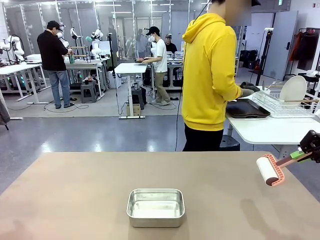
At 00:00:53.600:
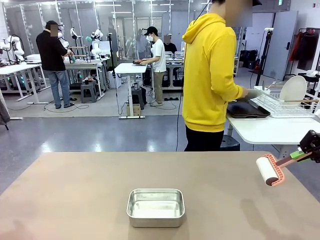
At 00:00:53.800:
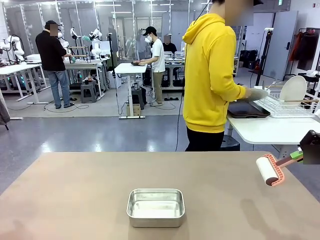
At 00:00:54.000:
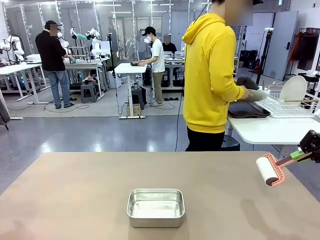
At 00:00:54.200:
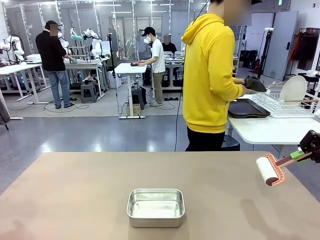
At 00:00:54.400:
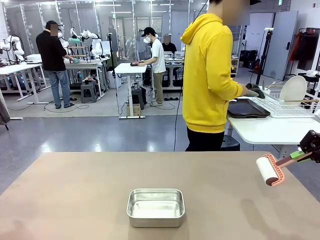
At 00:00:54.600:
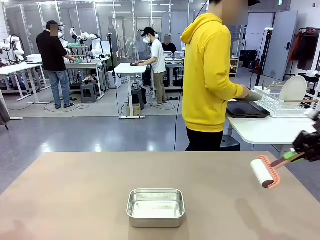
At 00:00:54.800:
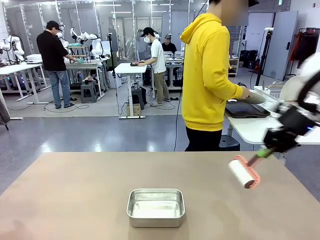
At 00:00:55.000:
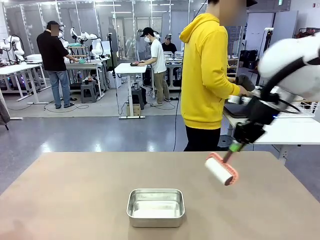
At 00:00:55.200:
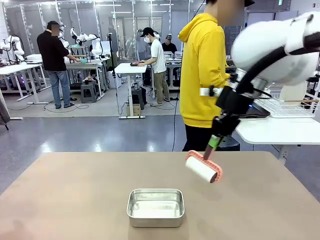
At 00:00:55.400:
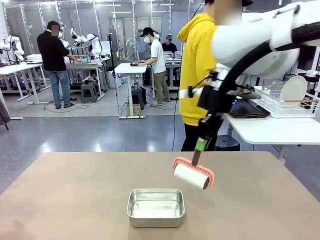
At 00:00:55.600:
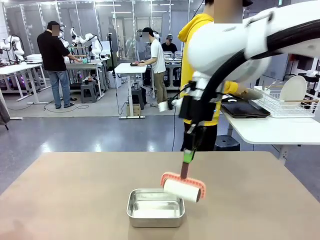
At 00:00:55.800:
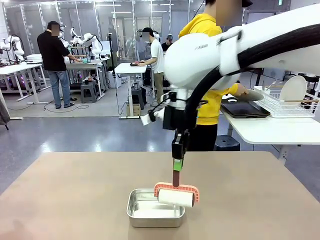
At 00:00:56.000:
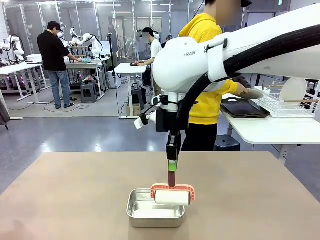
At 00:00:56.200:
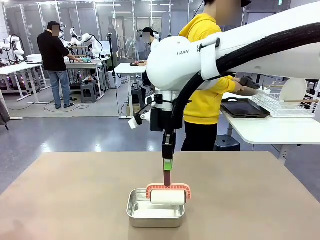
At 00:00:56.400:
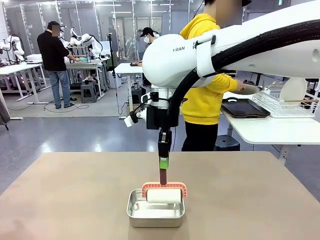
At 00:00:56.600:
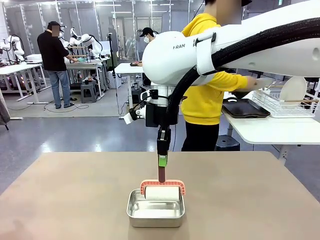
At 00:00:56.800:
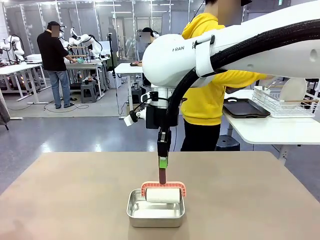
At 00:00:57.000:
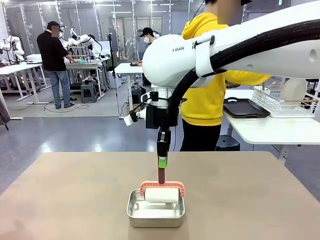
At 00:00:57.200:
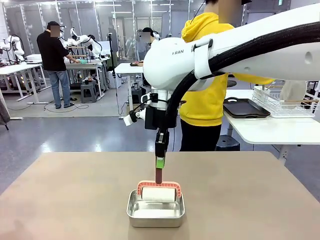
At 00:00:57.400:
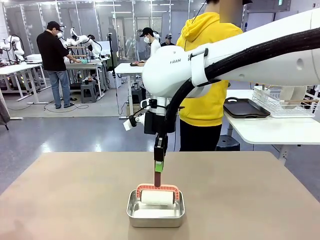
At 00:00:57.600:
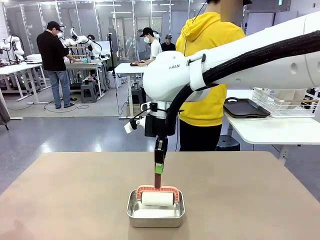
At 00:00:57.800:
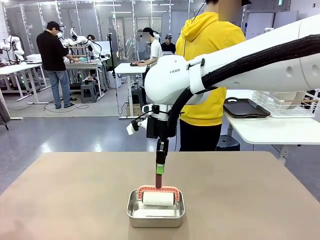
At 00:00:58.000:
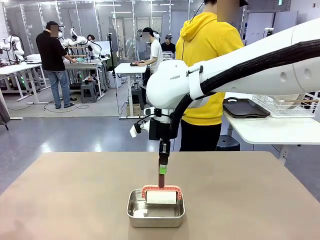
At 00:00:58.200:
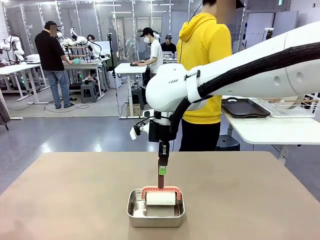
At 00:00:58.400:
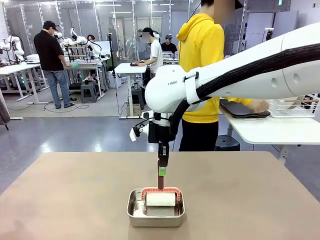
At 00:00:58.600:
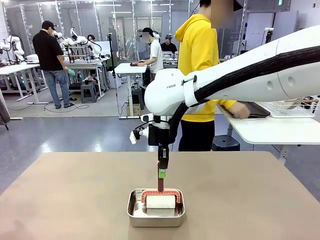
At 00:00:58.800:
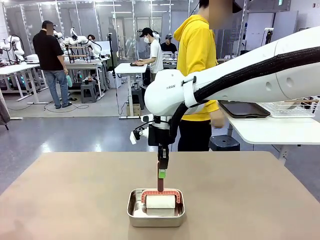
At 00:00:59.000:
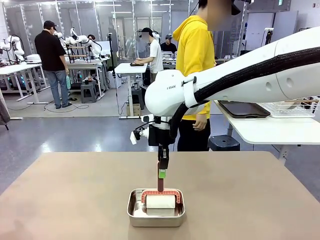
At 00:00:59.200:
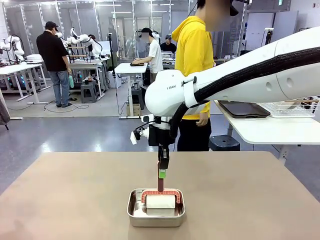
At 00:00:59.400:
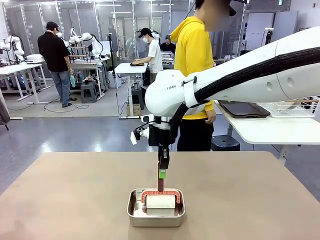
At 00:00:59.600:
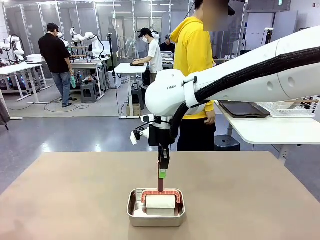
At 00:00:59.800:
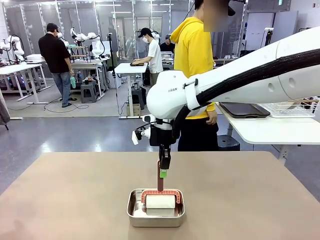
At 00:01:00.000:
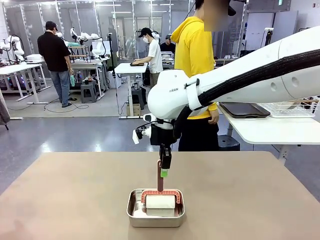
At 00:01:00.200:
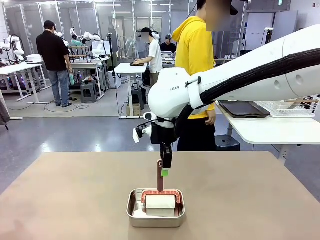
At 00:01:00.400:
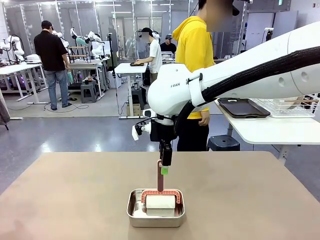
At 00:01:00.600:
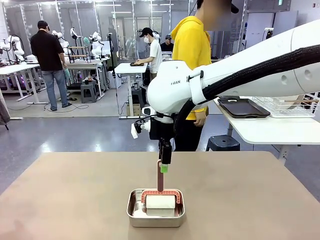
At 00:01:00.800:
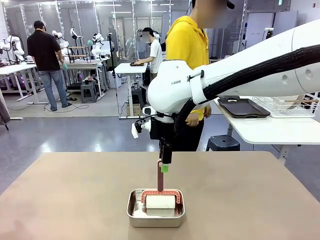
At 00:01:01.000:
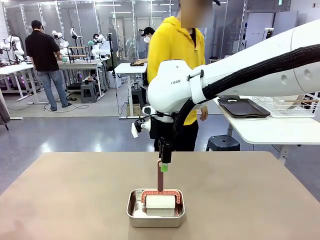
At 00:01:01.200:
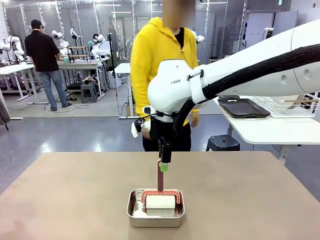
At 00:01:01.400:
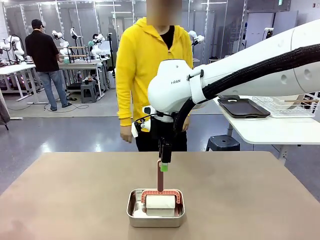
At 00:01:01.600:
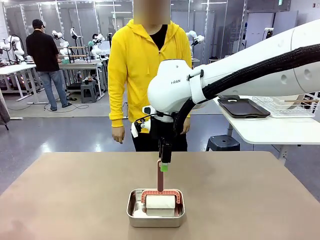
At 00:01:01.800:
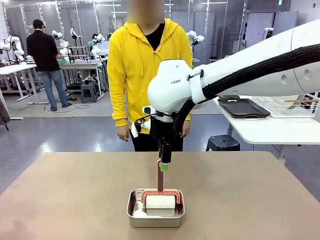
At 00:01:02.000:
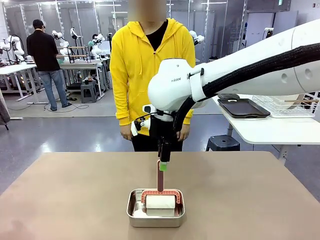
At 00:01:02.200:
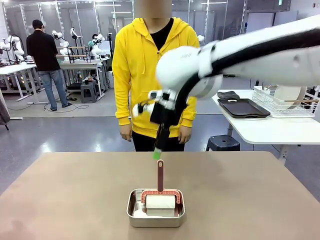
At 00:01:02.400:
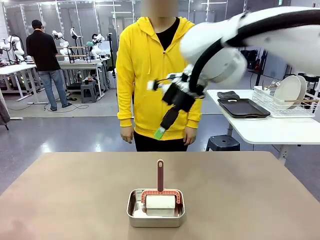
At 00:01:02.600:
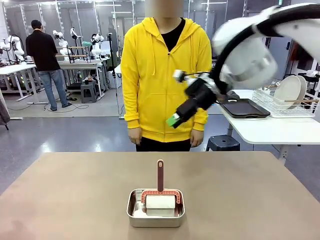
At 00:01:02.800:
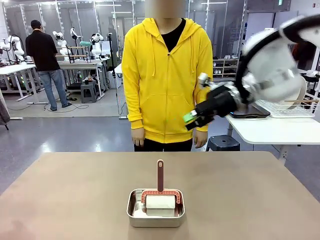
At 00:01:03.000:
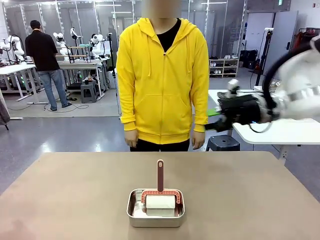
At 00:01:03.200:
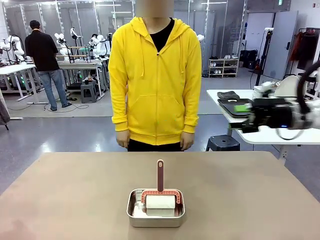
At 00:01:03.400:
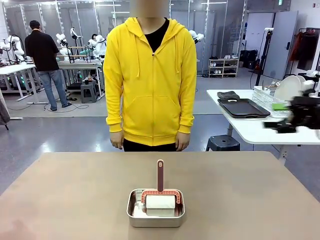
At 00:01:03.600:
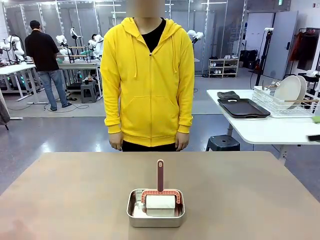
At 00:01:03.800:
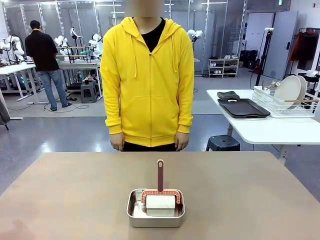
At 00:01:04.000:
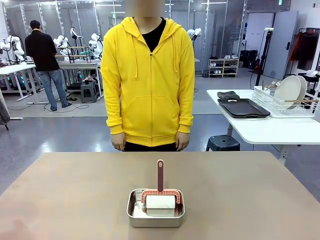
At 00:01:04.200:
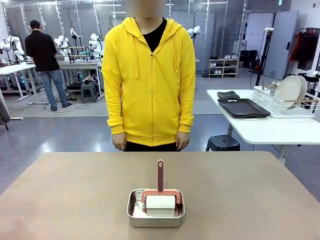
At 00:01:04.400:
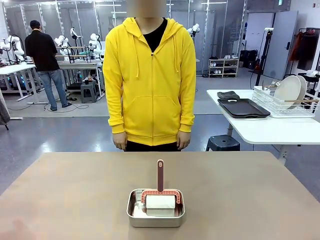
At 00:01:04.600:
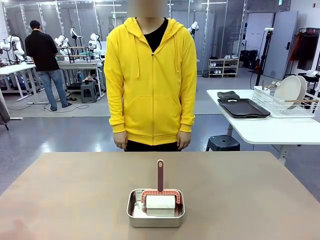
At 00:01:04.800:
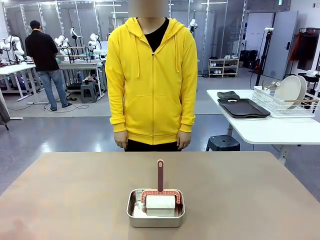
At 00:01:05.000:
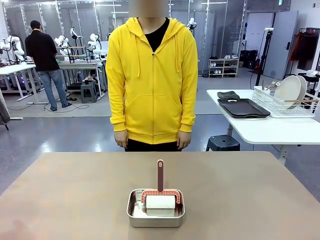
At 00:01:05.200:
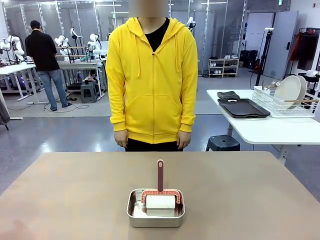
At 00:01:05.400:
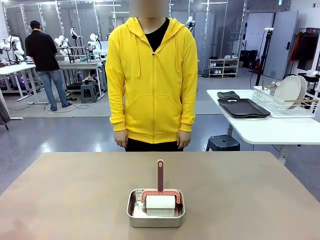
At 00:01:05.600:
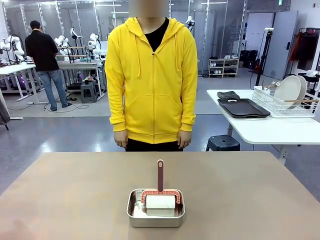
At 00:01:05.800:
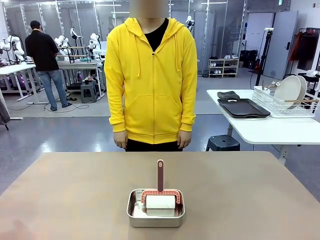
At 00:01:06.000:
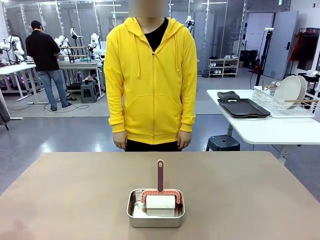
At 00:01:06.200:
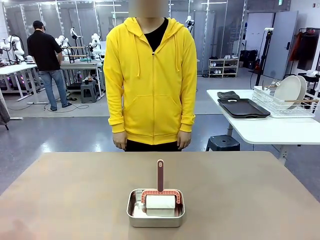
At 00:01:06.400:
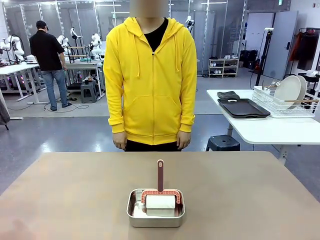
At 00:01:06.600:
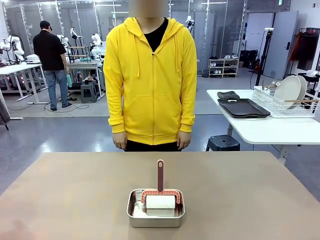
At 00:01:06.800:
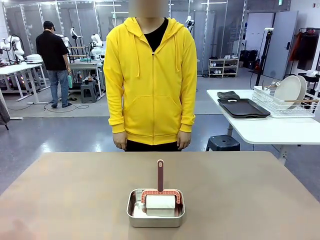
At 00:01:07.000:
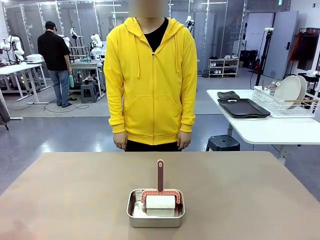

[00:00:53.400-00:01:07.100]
Robot: Place the Lint Roller back on top of the Airtight Container.

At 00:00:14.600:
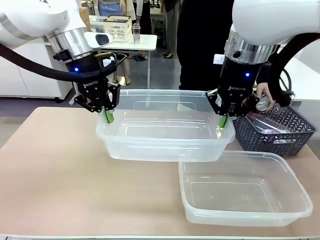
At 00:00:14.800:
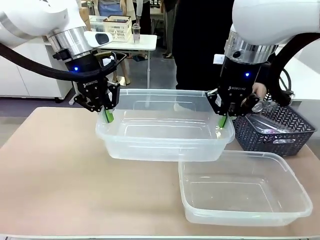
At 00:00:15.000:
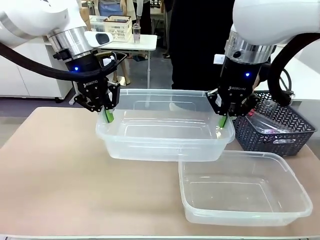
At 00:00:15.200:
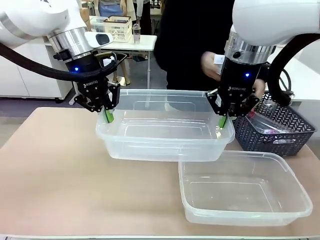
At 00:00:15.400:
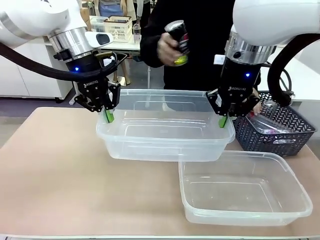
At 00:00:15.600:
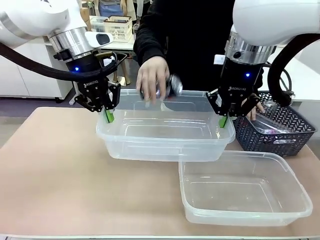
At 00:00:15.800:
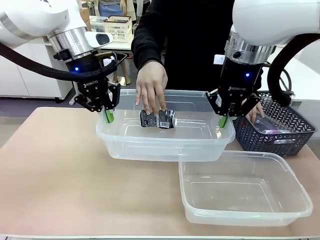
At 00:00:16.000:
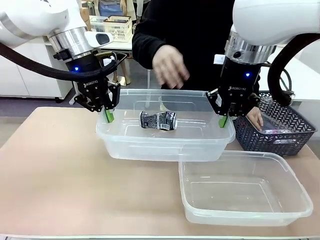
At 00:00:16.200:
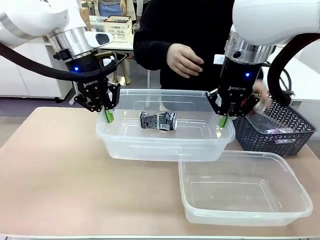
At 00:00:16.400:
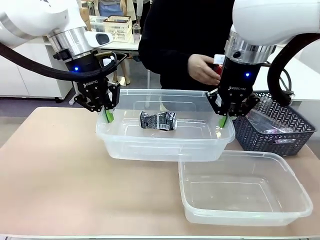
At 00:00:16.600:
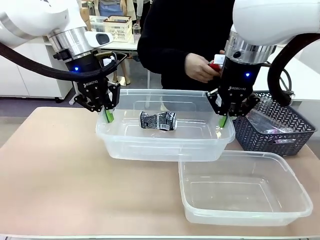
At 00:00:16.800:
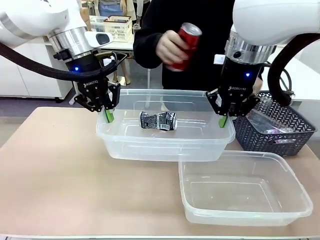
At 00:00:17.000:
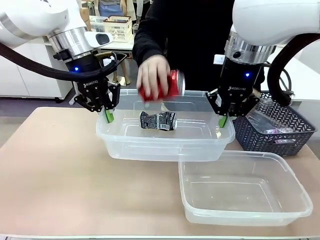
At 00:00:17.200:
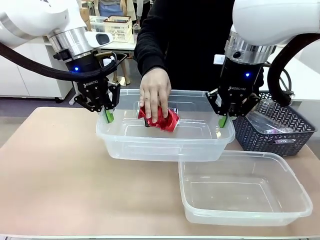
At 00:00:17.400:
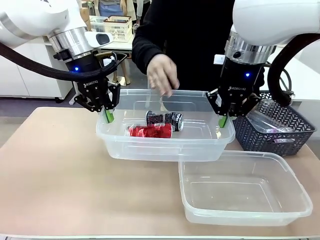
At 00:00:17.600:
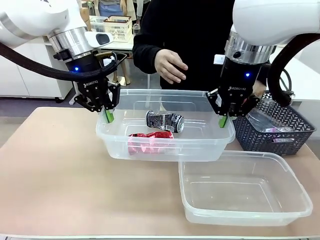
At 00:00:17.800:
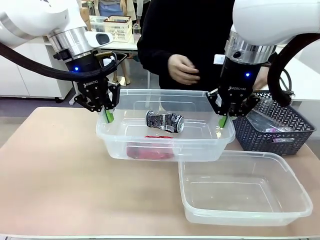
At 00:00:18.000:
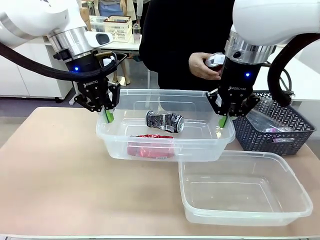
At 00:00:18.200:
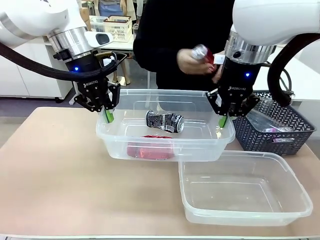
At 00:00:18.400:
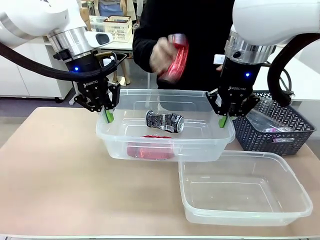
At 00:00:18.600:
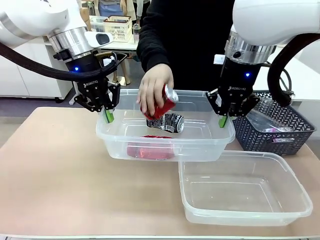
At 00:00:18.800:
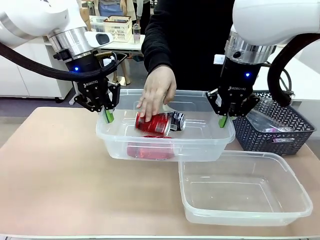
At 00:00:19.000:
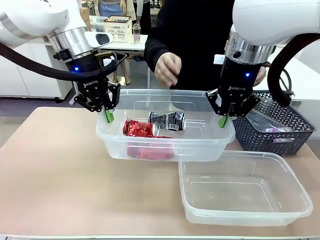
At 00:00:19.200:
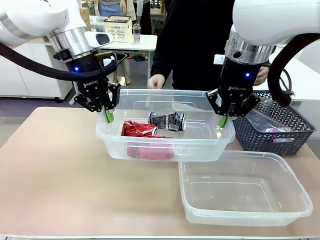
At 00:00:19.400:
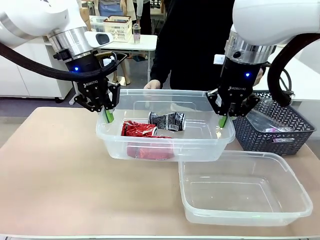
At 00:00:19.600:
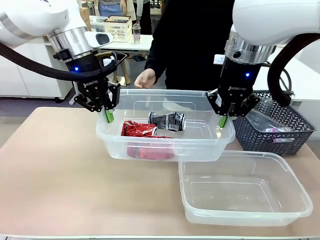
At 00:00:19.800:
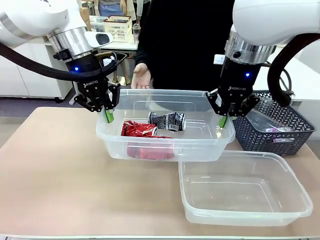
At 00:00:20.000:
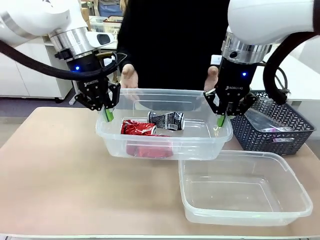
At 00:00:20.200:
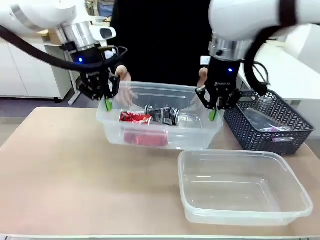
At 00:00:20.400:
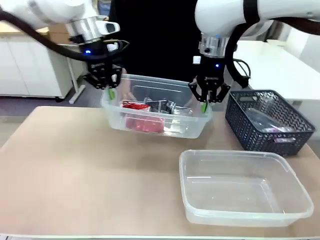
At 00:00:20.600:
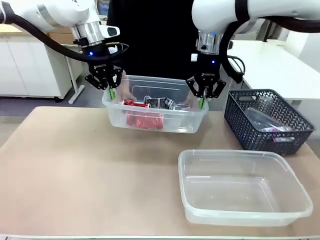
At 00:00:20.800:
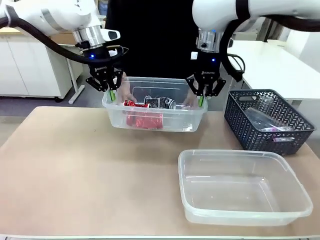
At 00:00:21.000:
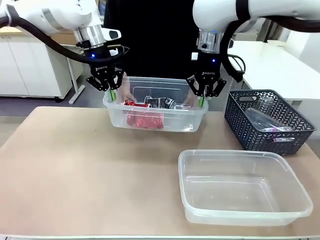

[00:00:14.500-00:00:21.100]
Robot: Offer the picked Organizing box to the human.

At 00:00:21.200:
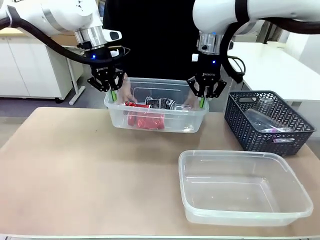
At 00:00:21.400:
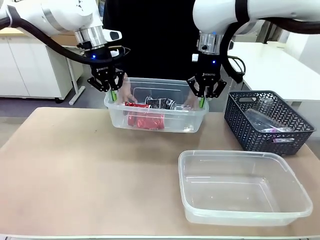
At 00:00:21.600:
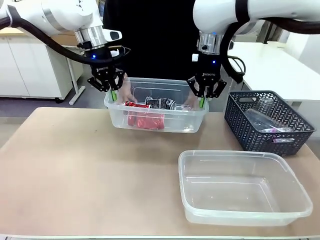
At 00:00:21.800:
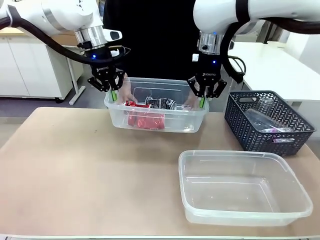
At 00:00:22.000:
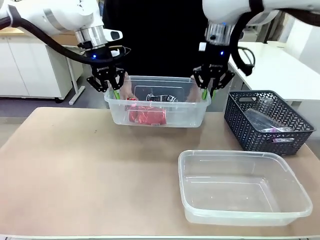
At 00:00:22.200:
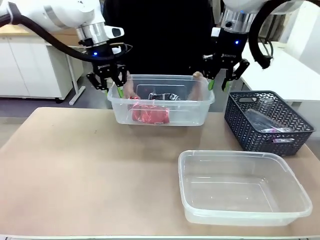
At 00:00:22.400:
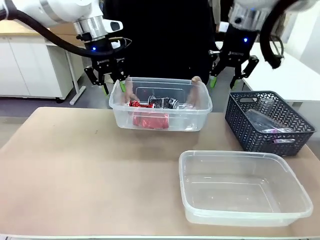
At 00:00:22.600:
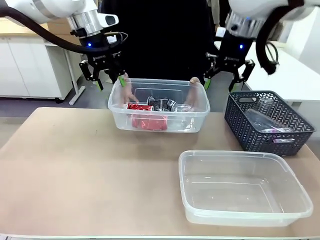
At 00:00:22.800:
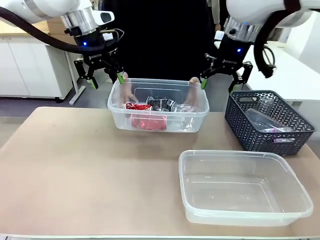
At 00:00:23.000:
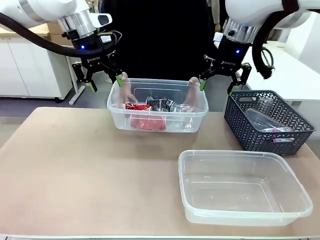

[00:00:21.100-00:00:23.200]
Robot: Release the Organizing box you were holding.
